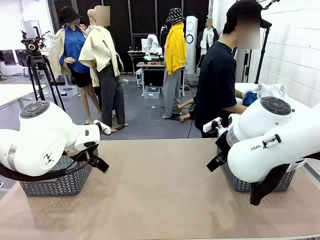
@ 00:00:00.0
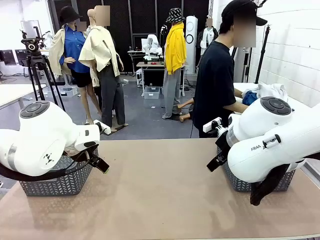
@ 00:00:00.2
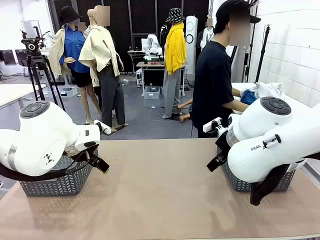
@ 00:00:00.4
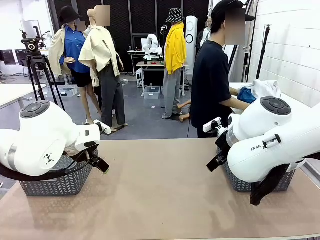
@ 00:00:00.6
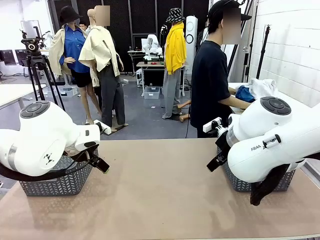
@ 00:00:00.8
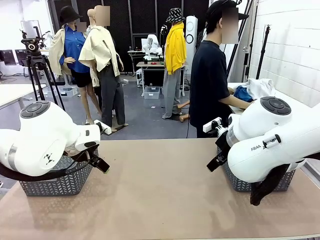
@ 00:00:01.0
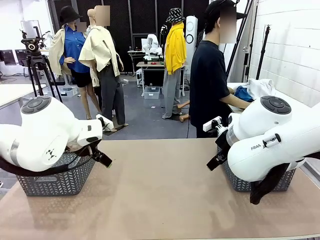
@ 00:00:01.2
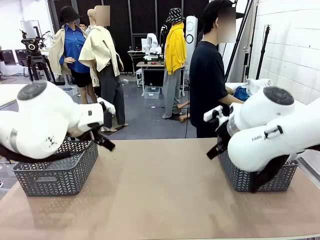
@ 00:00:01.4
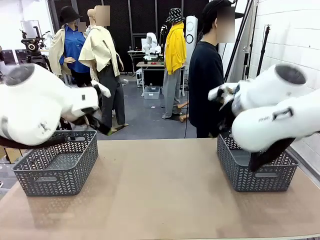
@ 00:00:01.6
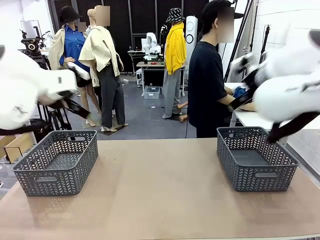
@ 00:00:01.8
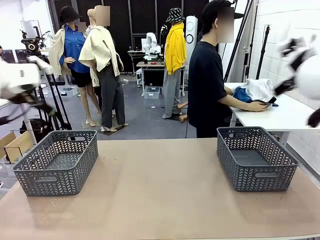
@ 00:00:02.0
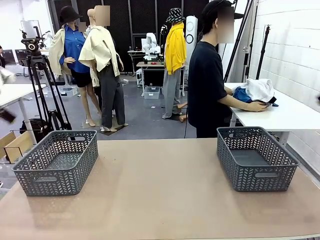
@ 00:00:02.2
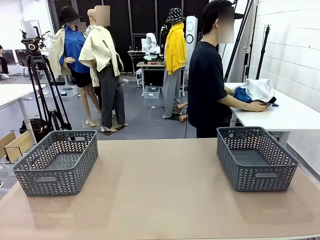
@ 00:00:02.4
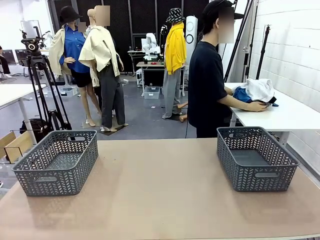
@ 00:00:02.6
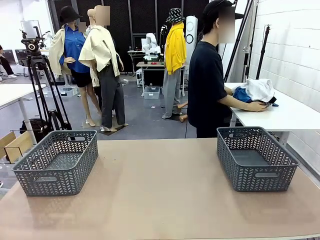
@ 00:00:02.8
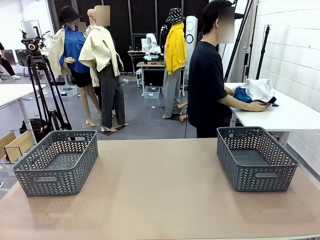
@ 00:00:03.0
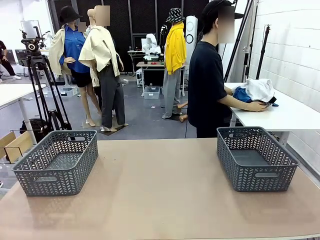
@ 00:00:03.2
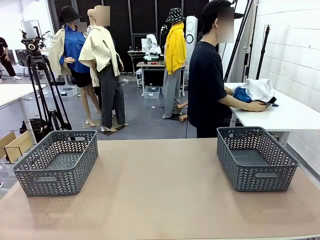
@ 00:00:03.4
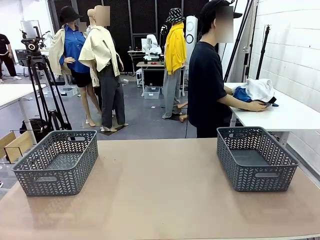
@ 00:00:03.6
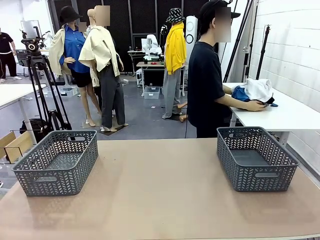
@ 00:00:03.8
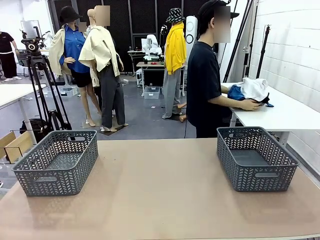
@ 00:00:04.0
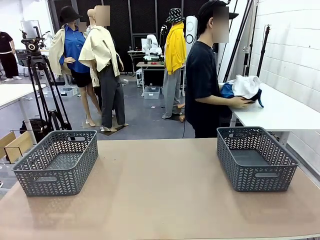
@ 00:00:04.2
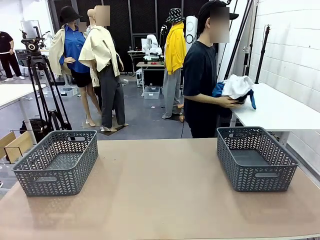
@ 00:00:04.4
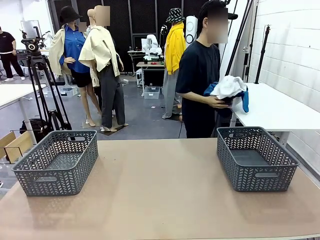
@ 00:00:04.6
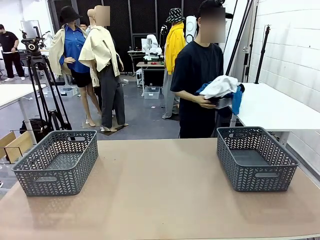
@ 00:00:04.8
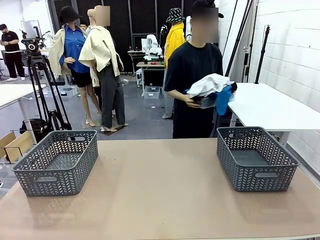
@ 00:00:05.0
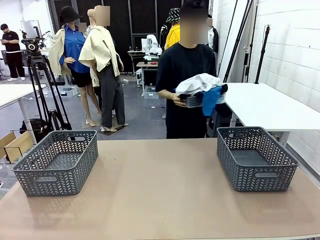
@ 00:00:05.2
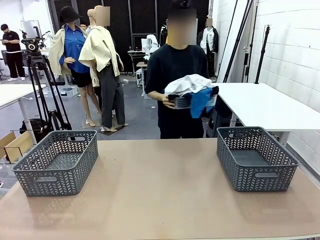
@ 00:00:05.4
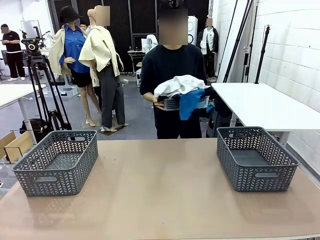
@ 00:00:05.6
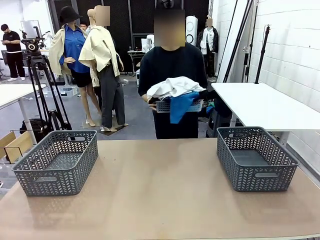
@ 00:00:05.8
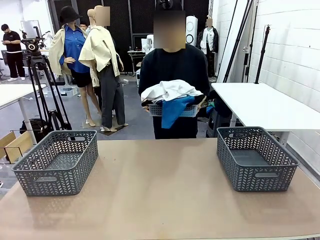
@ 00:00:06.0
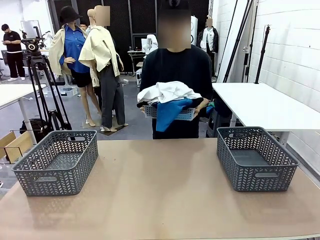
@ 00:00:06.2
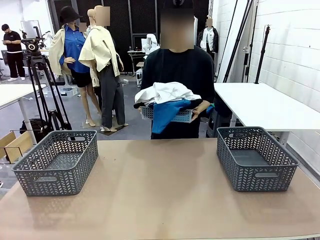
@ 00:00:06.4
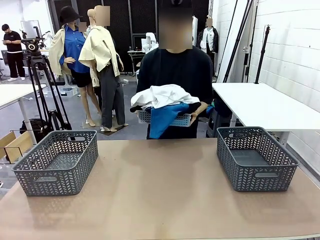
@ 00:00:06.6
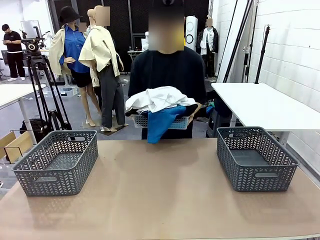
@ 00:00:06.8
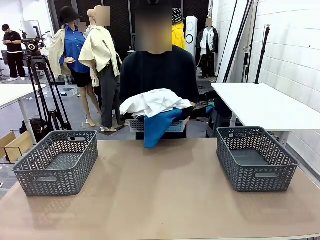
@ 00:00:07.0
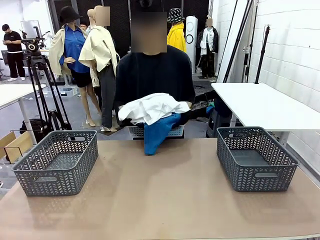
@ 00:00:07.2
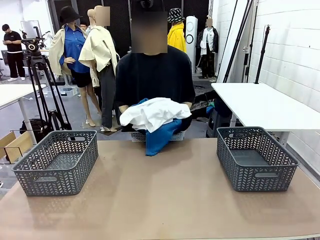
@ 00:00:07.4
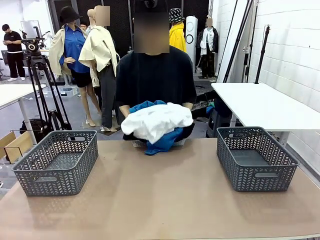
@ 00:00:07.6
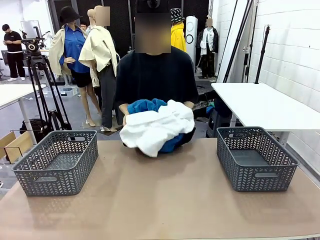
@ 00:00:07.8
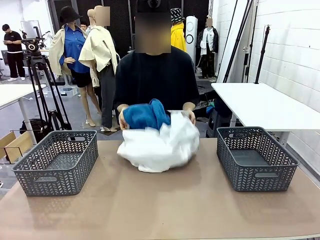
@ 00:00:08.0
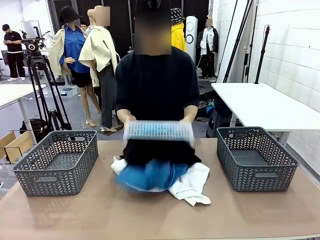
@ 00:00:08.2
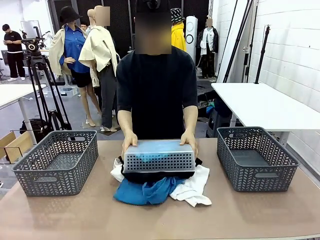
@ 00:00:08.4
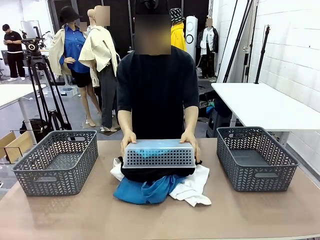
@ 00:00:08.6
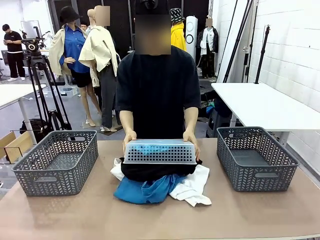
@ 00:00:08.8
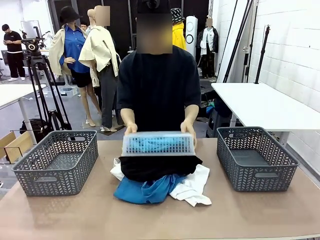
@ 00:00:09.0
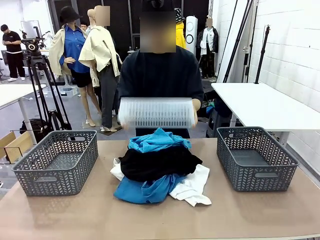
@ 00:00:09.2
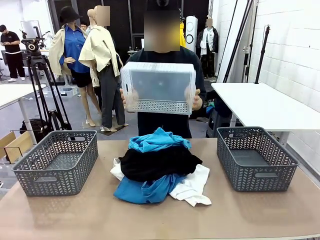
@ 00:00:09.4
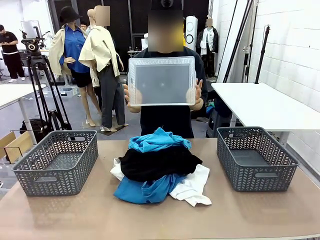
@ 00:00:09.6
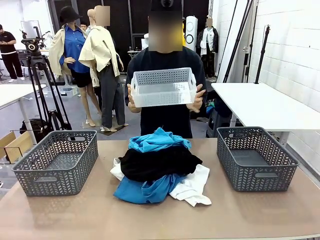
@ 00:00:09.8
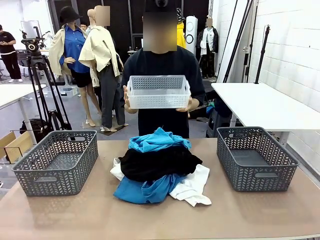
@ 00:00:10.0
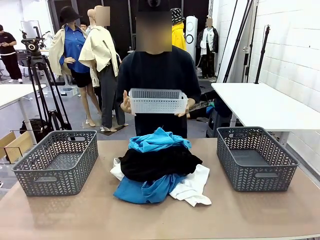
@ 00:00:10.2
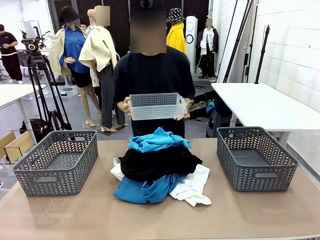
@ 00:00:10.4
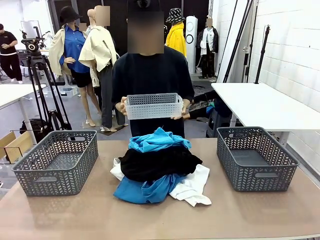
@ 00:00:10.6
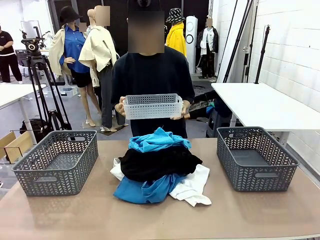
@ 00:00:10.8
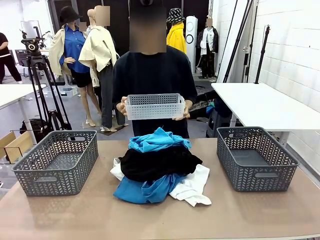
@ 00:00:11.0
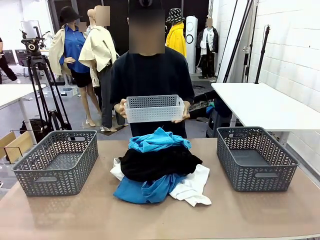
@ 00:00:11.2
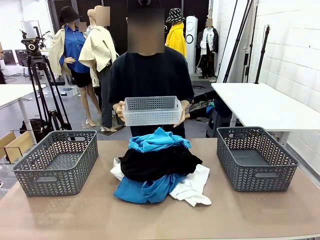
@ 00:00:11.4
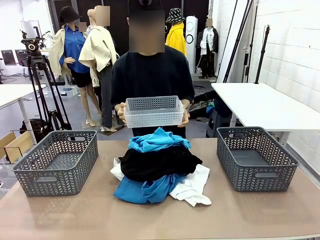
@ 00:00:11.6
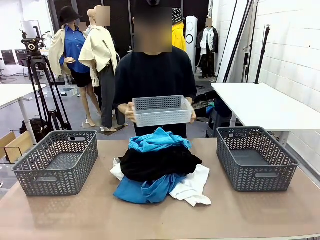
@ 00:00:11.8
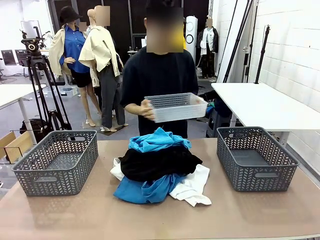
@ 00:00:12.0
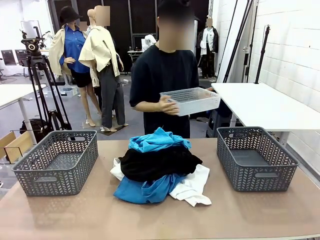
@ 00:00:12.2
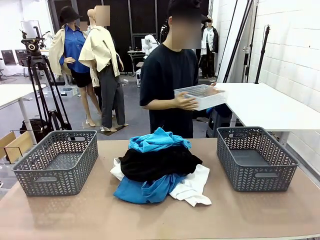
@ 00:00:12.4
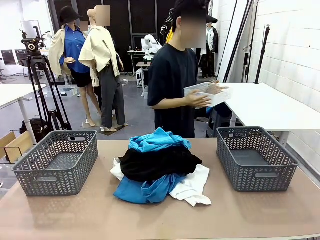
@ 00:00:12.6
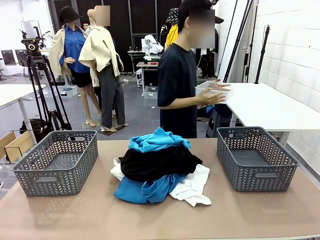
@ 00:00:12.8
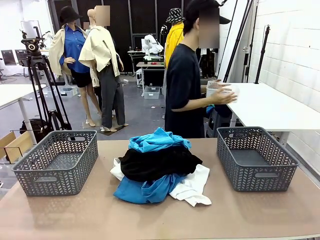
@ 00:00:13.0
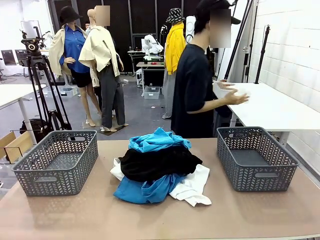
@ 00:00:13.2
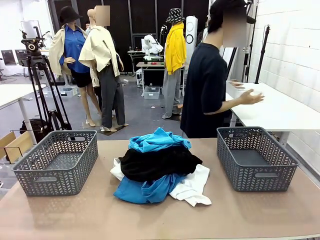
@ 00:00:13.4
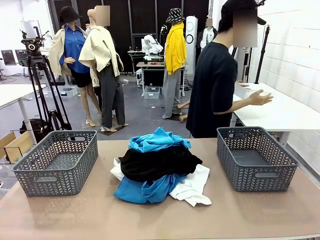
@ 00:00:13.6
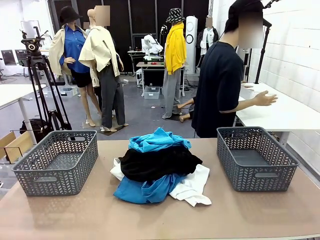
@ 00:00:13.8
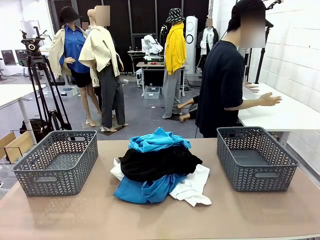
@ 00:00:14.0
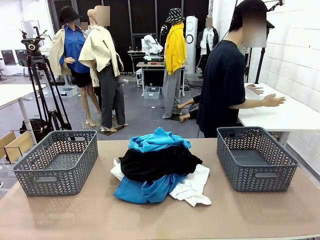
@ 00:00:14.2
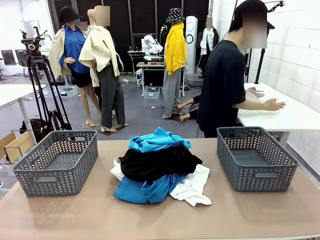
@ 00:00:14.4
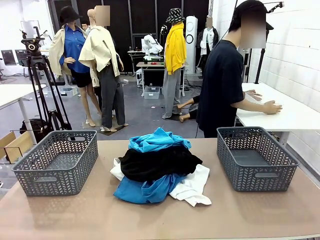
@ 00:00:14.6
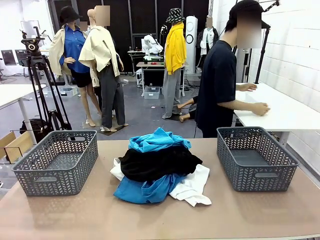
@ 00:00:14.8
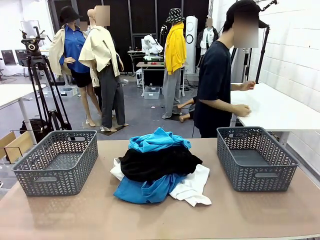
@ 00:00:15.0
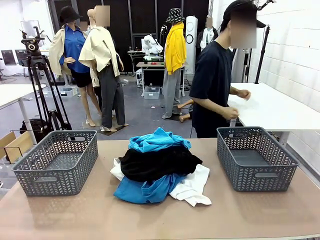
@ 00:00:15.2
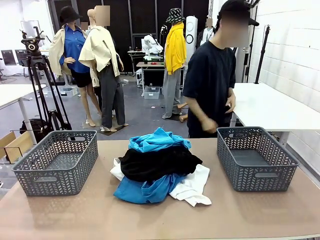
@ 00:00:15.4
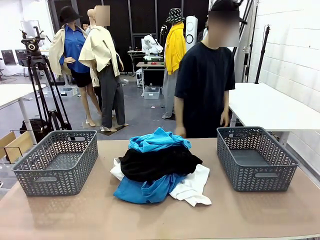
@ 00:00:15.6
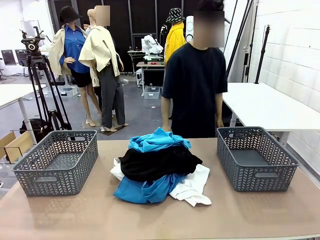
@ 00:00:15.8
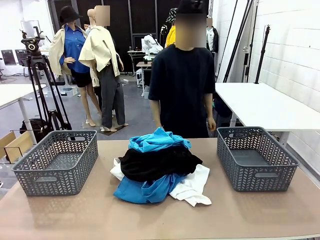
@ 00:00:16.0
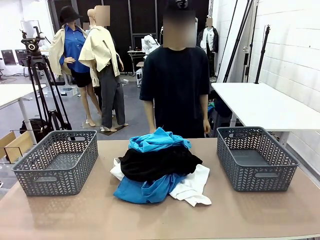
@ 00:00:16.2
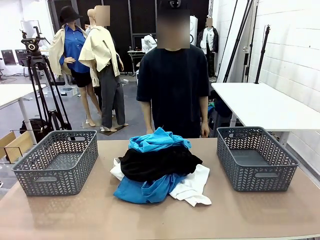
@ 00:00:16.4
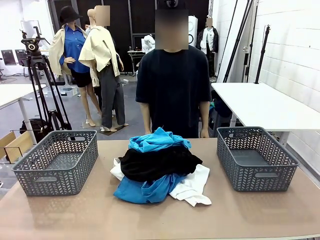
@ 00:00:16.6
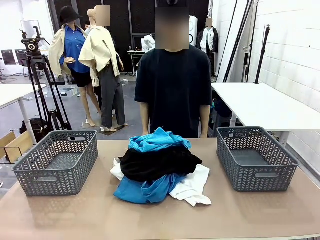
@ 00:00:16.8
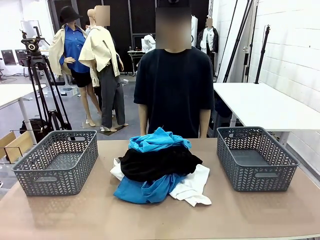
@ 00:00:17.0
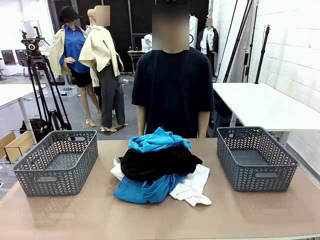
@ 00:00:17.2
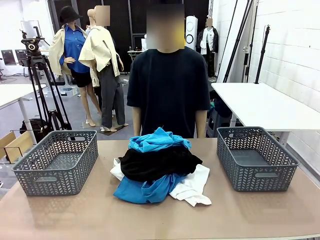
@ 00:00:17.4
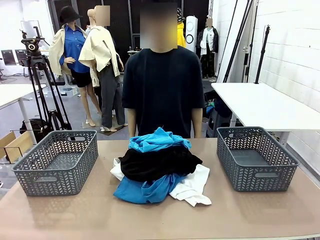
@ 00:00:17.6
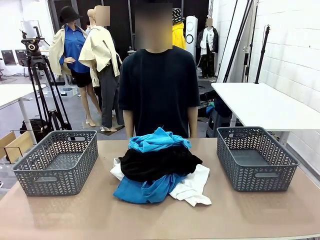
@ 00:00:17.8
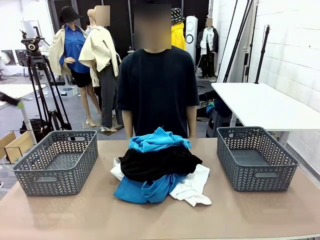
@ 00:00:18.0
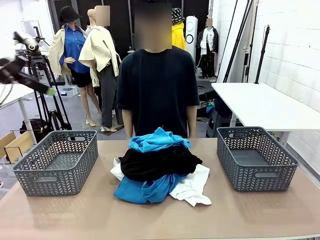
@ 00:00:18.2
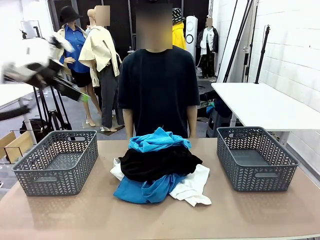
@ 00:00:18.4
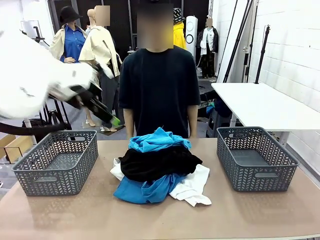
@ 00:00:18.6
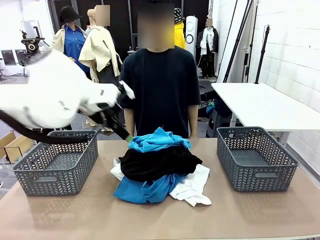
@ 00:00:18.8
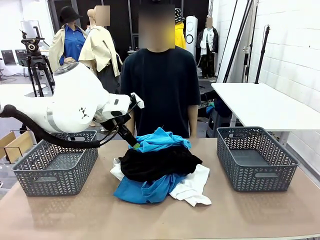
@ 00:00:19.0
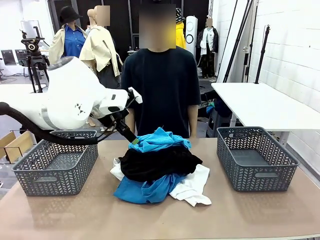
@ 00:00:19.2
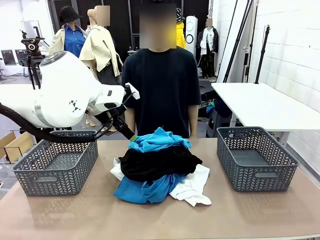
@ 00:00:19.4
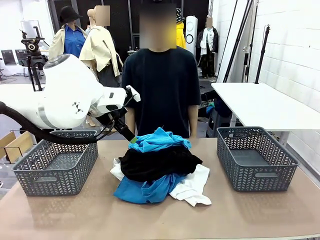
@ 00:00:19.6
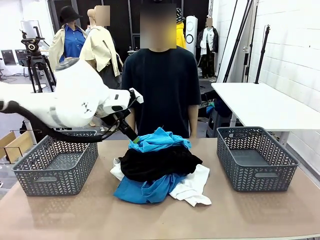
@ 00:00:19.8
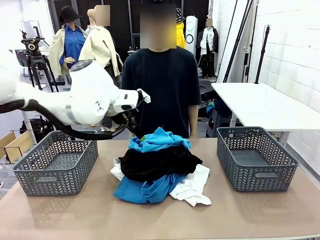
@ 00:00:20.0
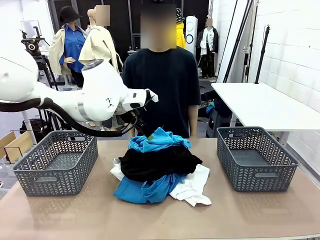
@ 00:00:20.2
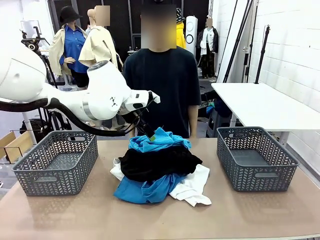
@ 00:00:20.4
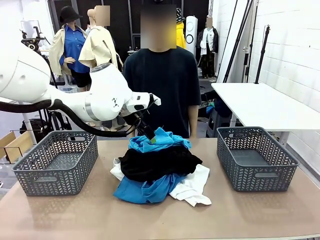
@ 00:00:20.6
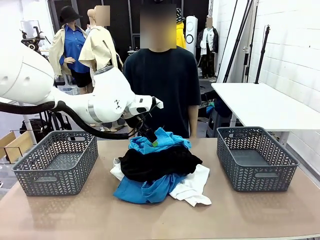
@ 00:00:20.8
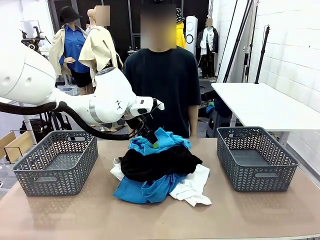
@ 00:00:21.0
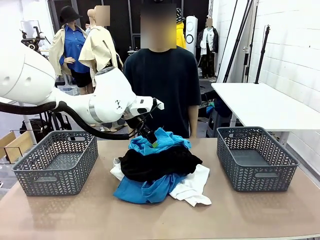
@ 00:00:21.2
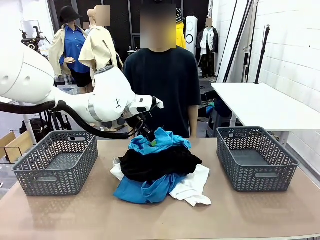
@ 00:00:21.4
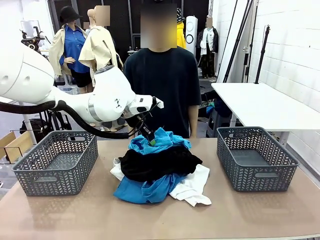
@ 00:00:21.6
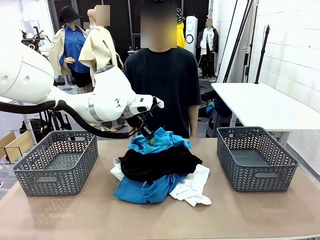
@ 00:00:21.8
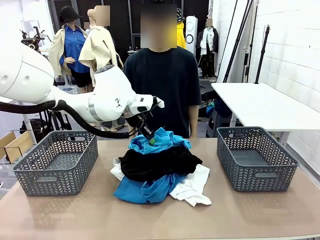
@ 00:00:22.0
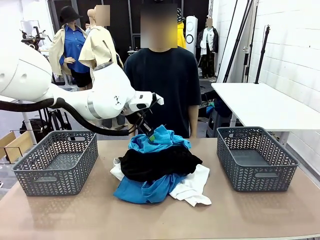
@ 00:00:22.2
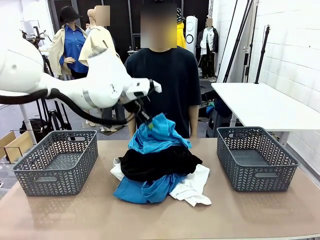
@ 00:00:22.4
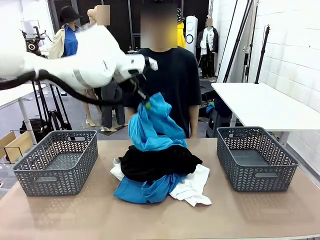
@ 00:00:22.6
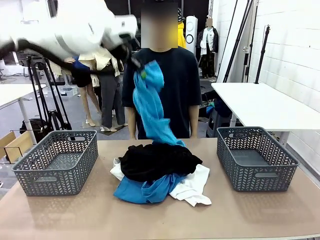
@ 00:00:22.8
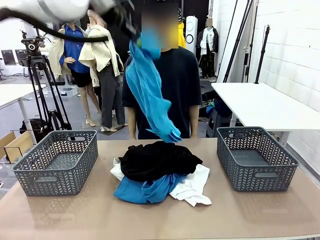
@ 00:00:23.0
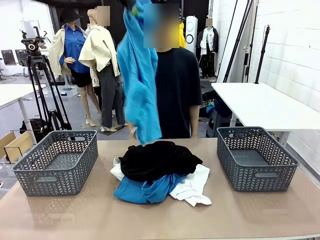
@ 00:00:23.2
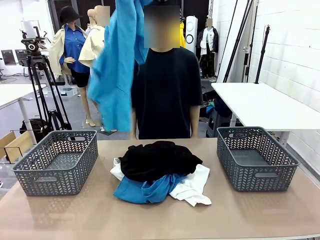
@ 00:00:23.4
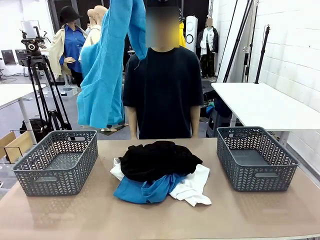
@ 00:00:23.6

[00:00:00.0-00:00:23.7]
Task: Sort the tops and bottoms.
Robot: Lift clothes from the center of the table with your left hand.
Person: Pour the clothes from the basket onto the center of the robot table.
